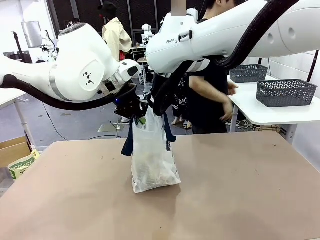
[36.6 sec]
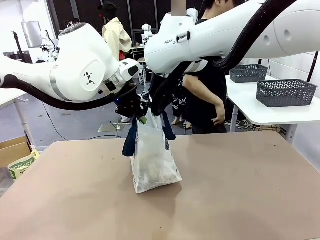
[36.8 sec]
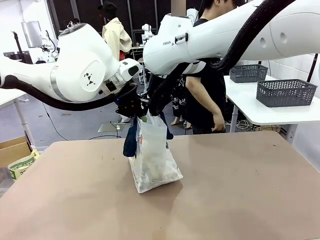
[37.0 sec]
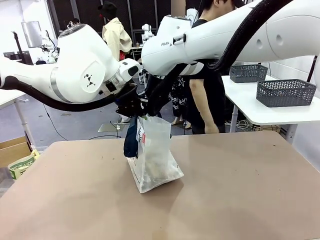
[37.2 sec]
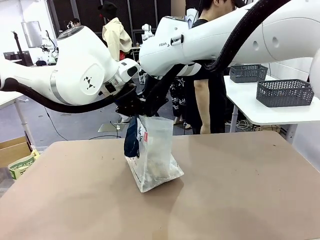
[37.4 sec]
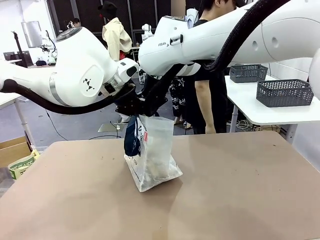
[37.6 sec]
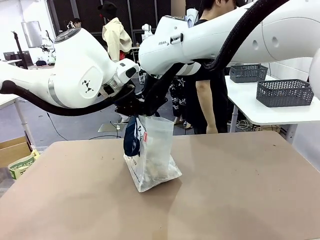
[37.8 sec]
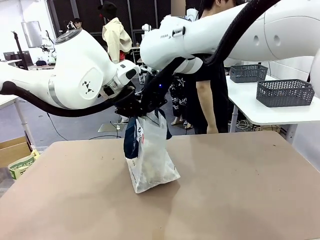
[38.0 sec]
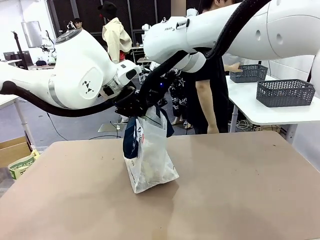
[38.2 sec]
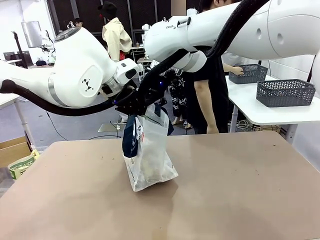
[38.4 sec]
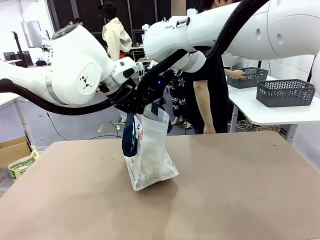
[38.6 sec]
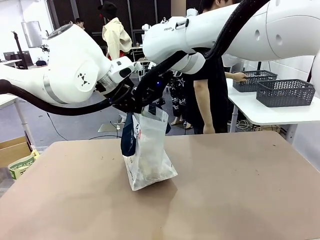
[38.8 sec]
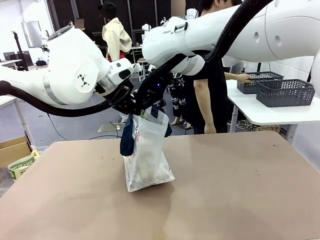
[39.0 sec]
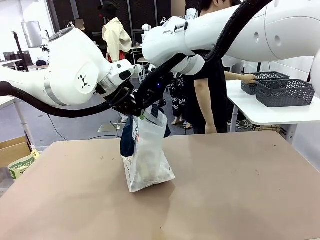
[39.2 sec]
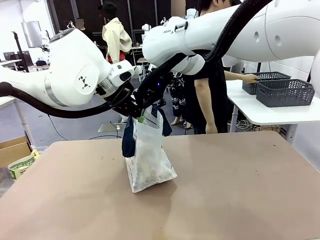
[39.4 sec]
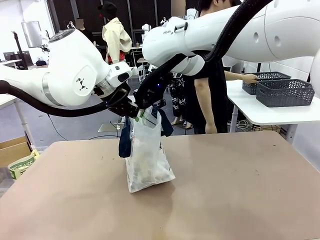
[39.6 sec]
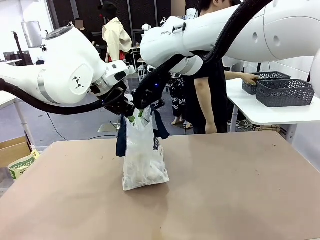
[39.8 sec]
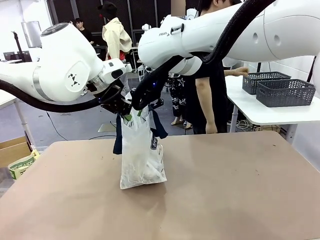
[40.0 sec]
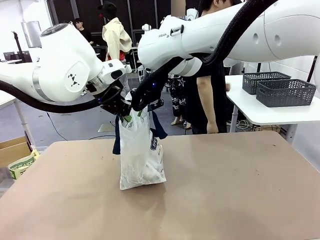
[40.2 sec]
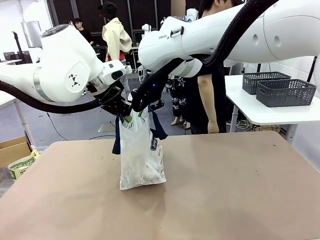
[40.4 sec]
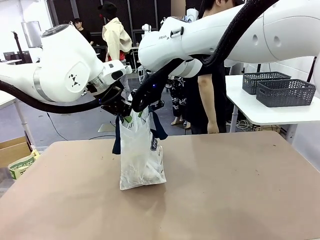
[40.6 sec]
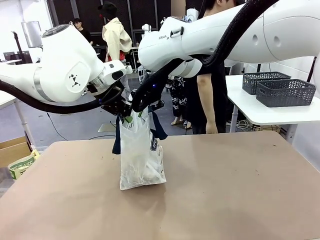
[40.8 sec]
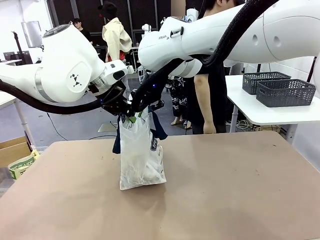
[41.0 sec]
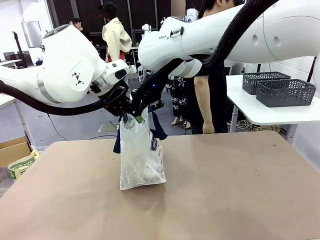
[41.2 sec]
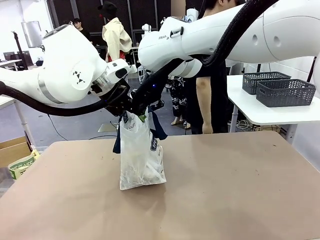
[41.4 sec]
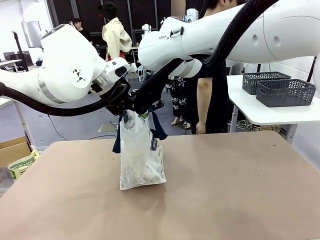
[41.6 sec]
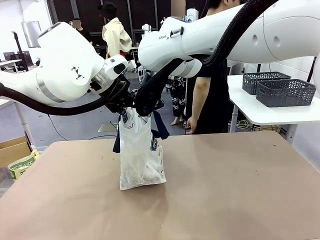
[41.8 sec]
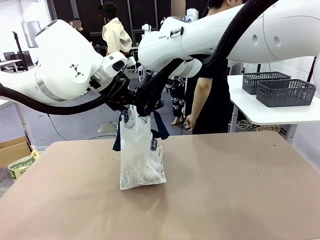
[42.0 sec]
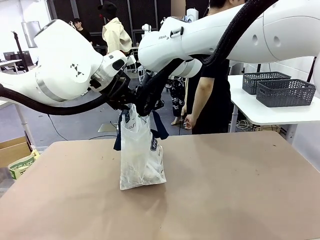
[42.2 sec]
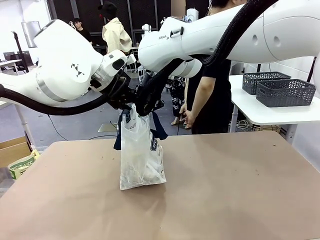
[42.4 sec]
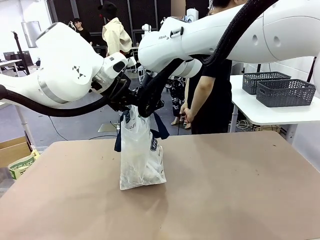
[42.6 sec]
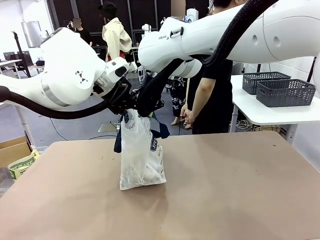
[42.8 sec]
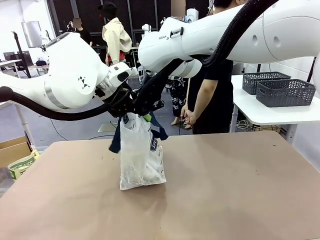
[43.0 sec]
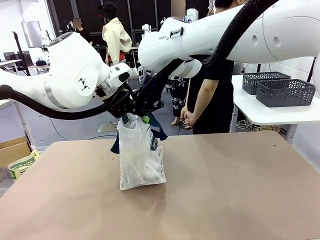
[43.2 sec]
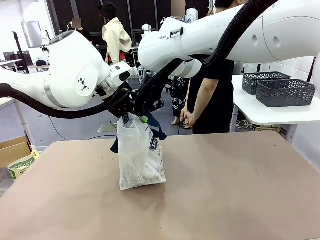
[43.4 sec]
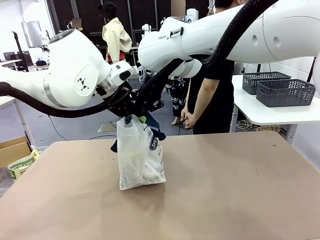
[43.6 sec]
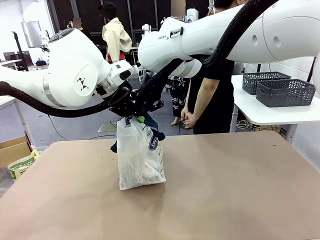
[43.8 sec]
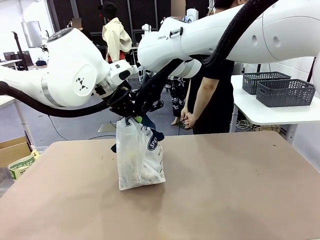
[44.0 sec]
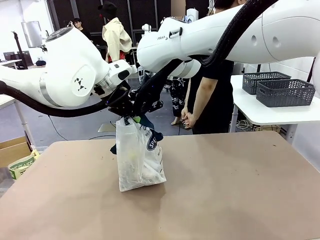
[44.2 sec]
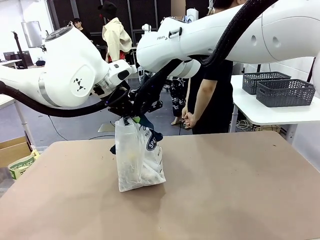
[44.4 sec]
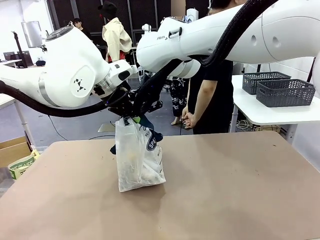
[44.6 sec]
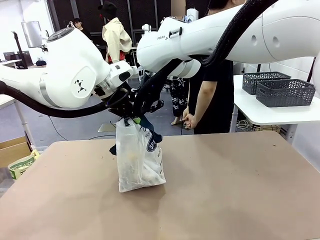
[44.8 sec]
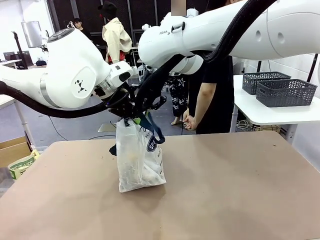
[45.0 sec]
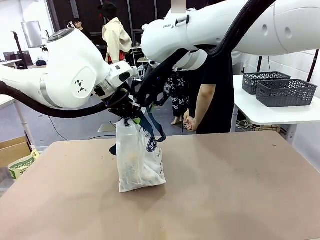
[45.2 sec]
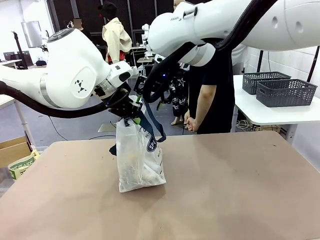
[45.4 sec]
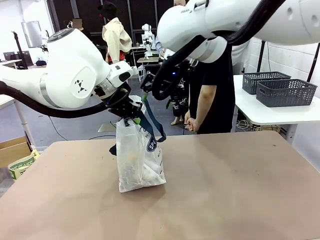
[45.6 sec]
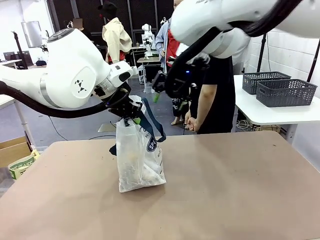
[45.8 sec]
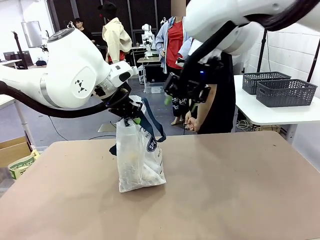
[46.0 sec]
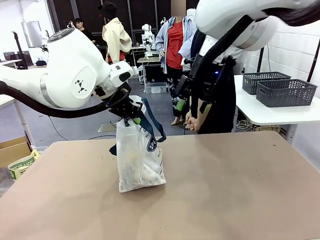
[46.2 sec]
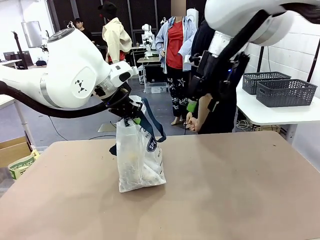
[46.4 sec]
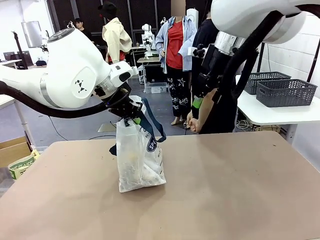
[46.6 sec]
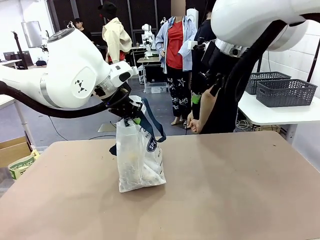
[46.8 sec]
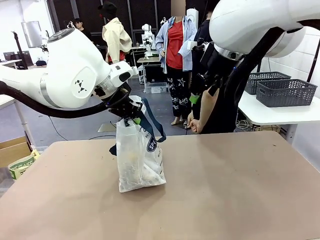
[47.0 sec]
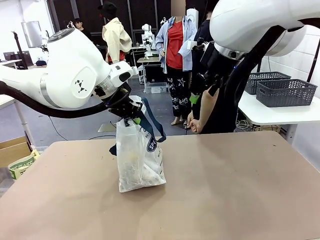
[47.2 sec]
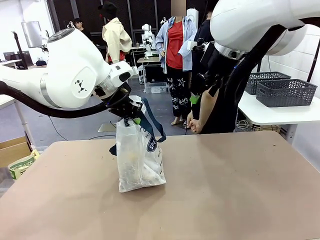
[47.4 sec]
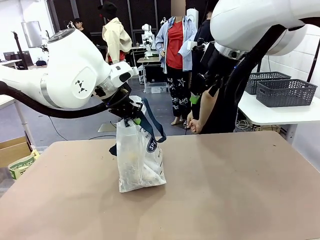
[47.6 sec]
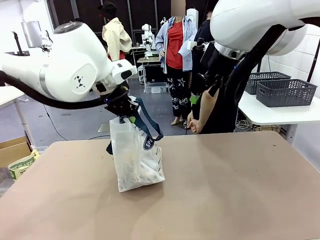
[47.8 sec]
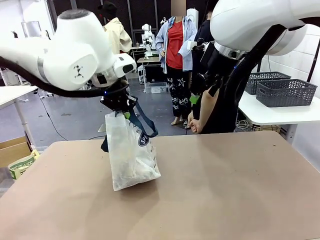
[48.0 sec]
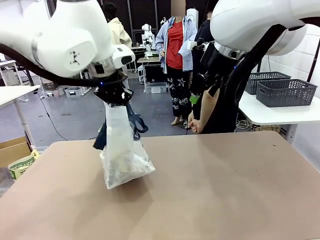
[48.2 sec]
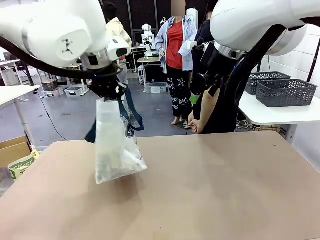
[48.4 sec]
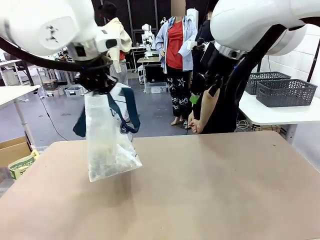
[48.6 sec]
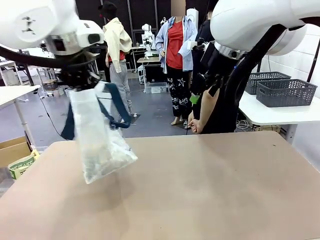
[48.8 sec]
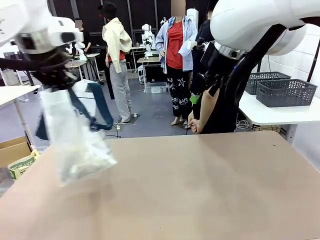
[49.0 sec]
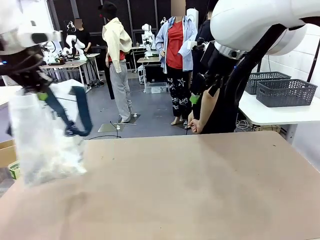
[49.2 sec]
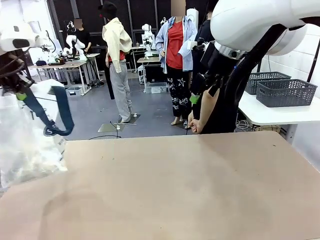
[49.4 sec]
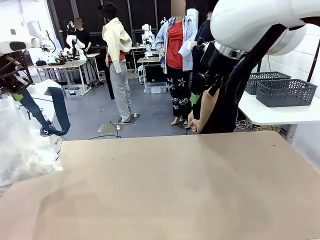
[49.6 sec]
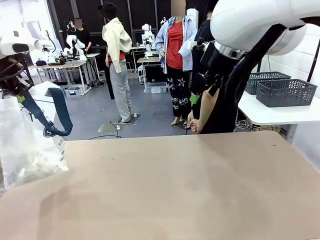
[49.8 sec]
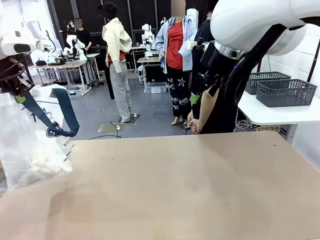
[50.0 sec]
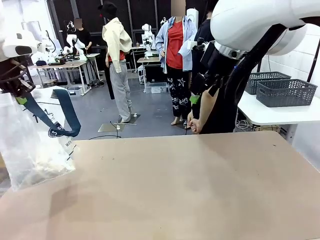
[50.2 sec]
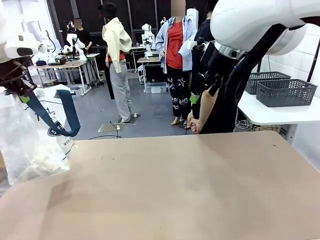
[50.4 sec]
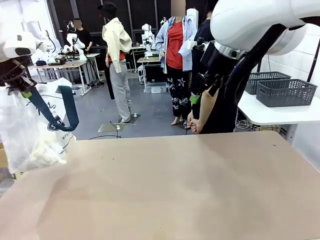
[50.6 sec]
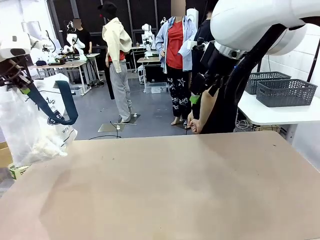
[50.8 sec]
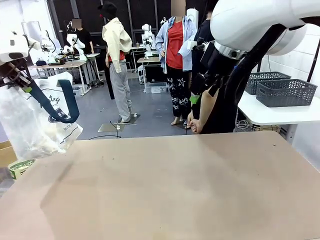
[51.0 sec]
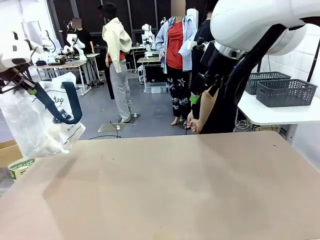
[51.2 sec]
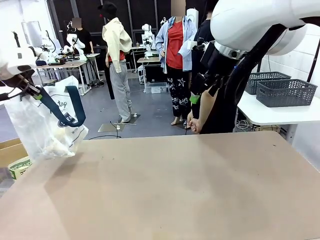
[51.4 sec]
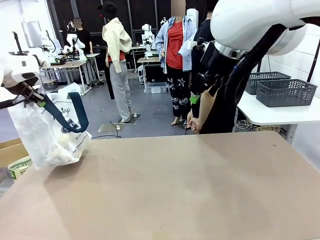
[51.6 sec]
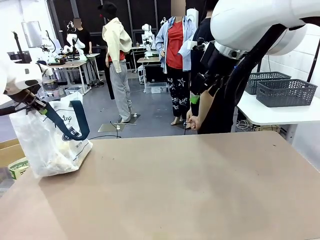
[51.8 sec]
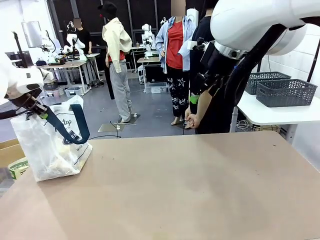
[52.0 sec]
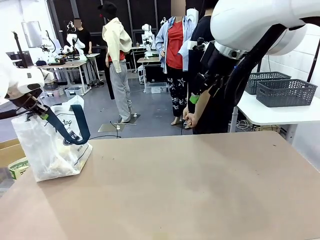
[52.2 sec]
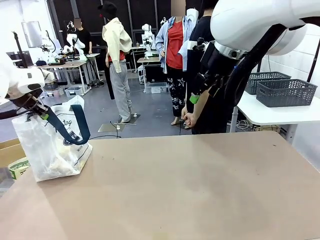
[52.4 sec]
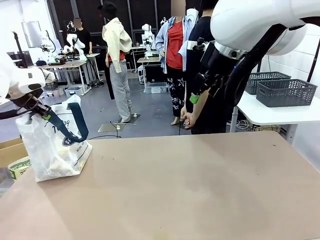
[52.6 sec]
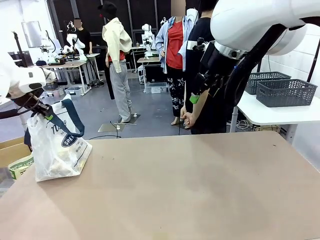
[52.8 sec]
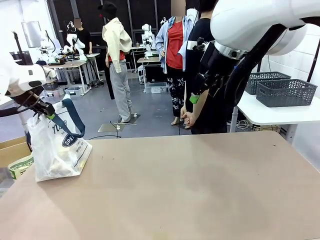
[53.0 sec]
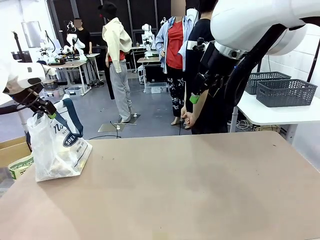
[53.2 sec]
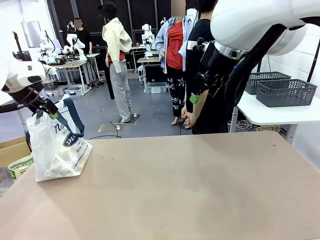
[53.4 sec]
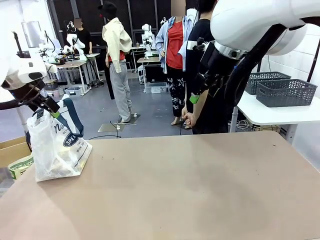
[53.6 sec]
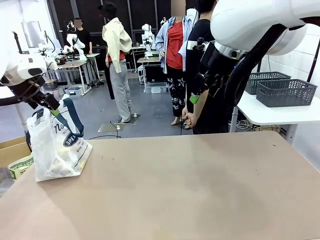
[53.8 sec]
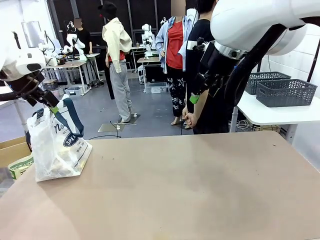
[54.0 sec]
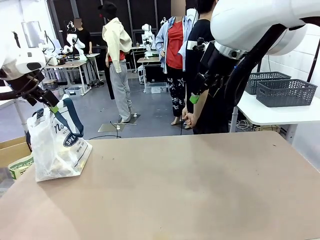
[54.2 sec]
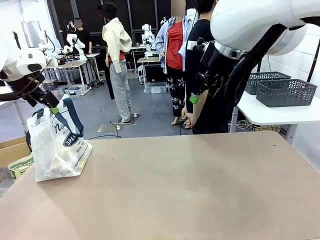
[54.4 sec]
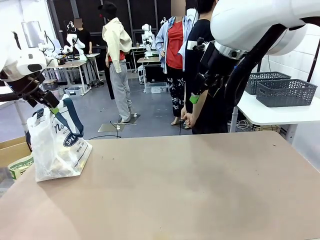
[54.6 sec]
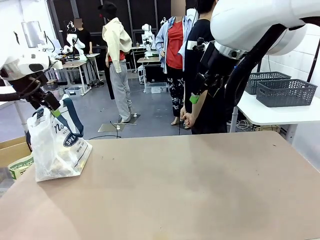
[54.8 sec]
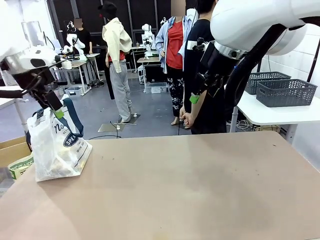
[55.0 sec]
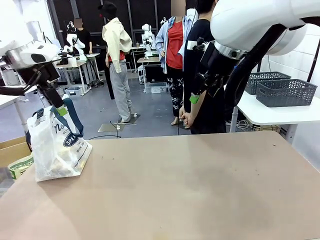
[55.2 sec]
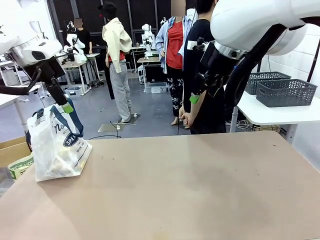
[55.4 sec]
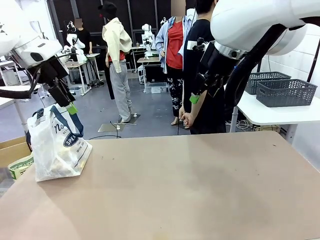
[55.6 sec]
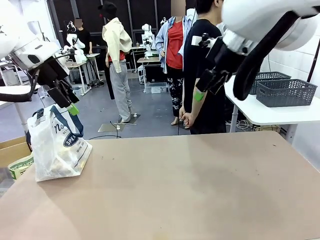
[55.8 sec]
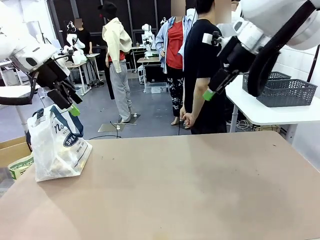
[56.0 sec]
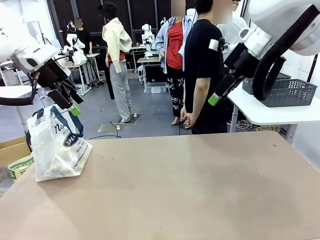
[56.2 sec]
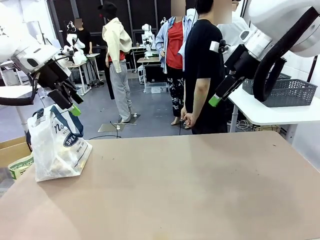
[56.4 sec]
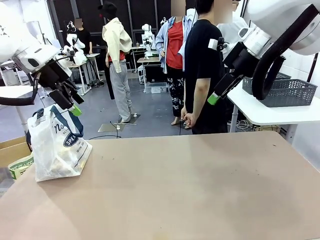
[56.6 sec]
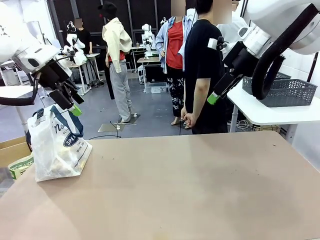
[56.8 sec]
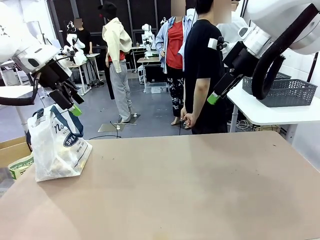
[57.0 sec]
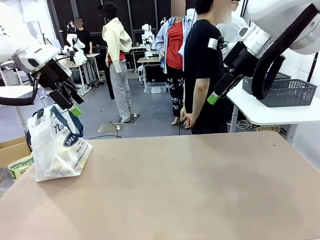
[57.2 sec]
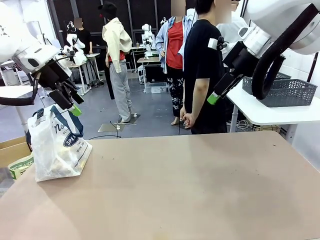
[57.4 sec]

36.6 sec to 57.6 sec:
Task: Transfer purchased items from the store into the shopping bag.
Robot: Move the Reusable shopping bag to the right side of the table.
Person: Move the basket on the left to the middle of the person's table.
